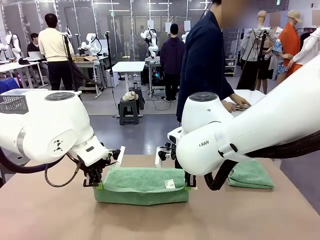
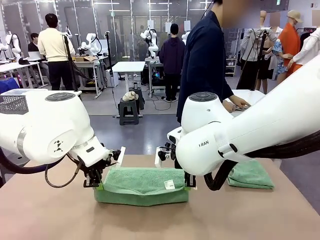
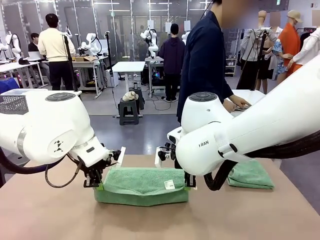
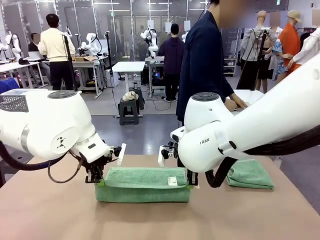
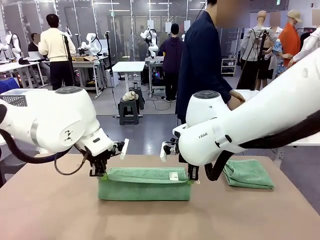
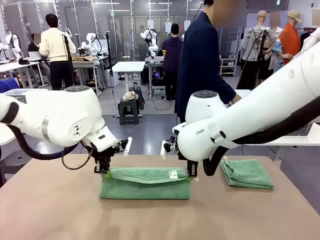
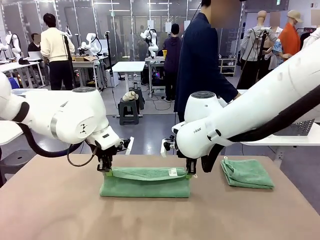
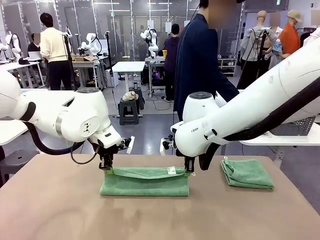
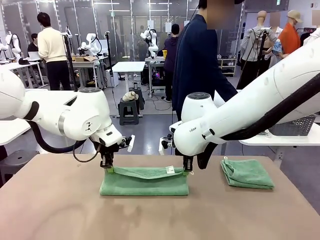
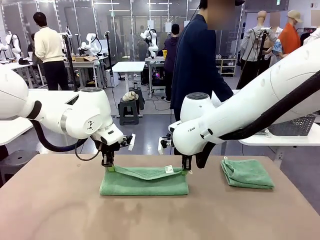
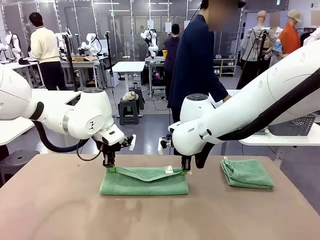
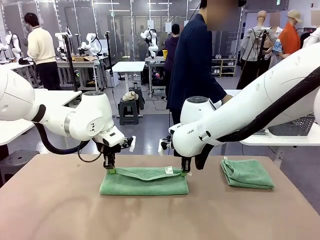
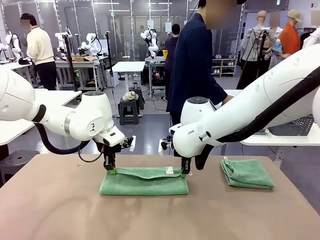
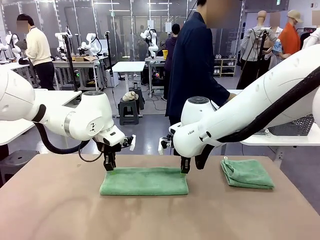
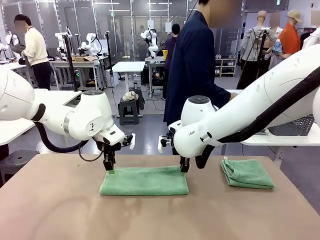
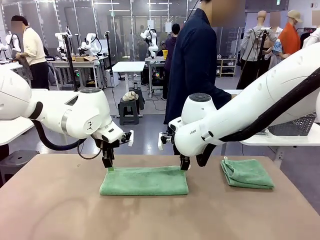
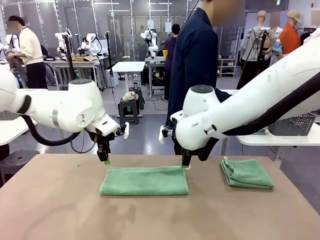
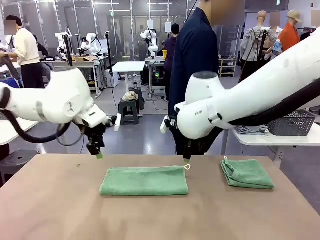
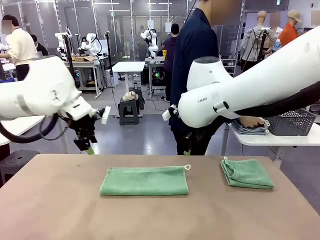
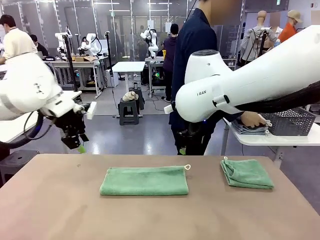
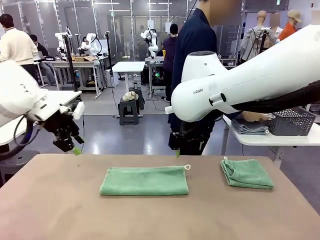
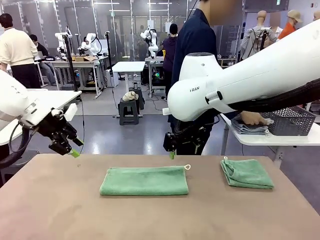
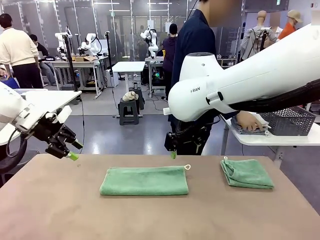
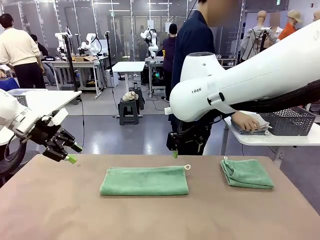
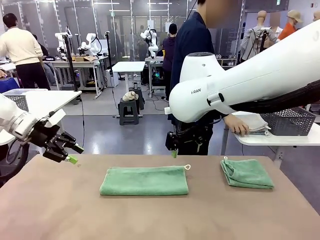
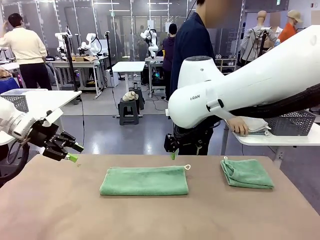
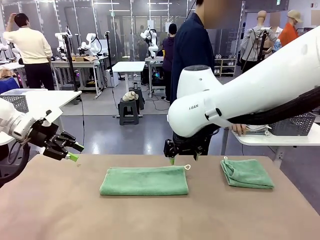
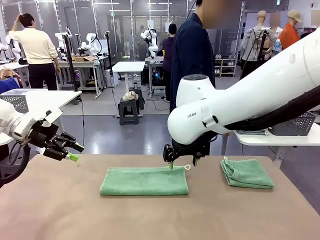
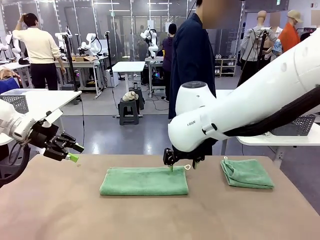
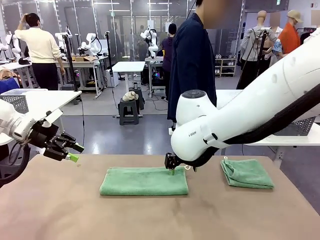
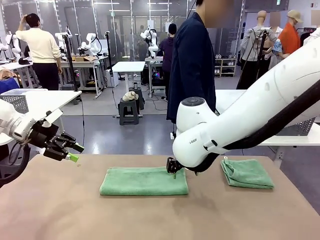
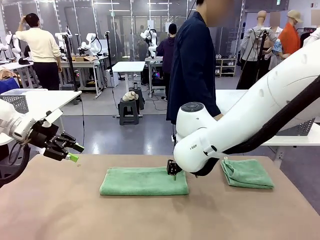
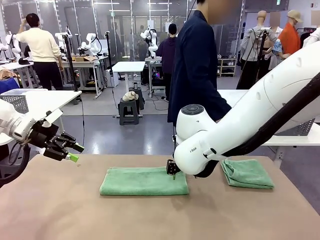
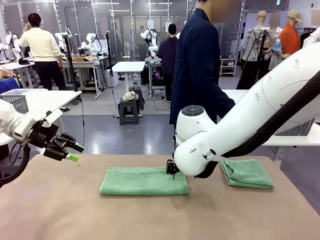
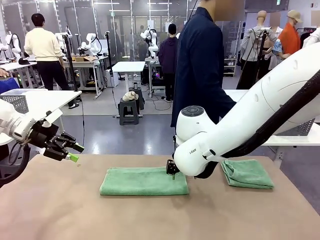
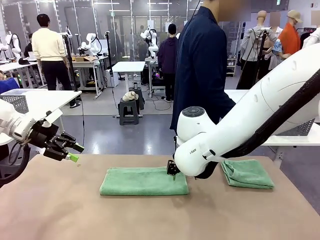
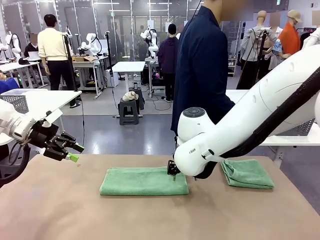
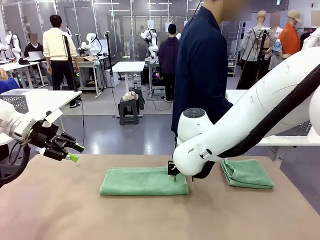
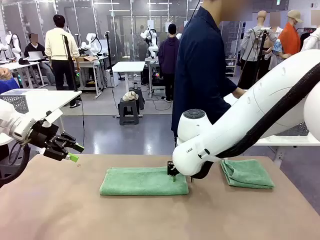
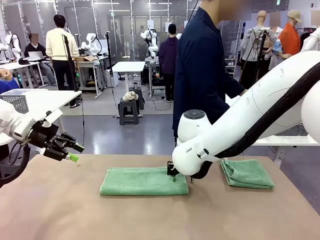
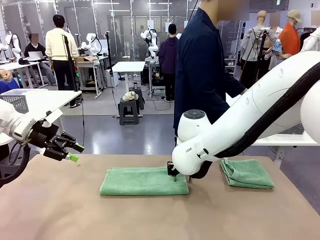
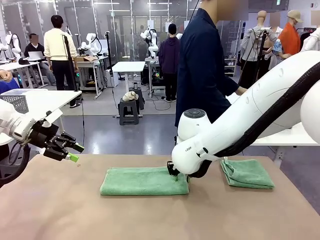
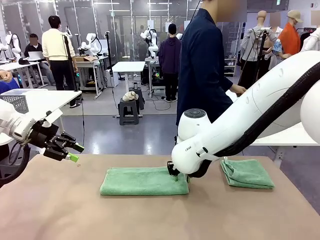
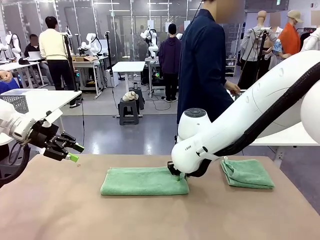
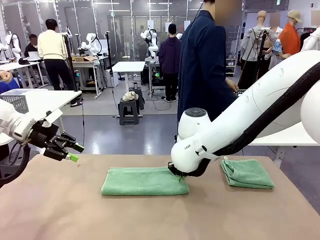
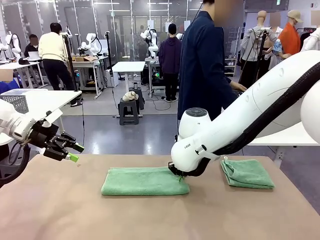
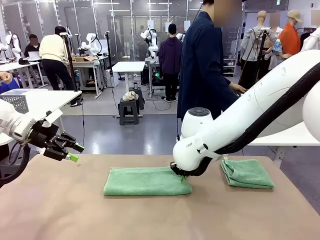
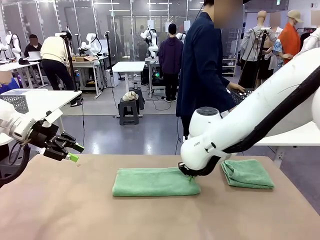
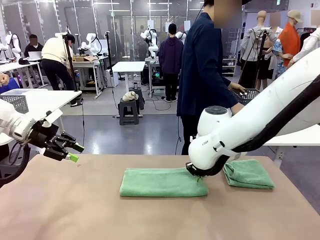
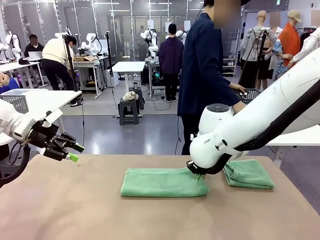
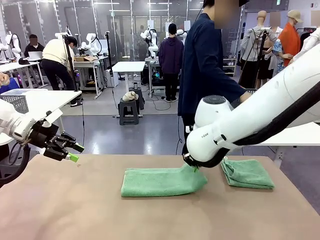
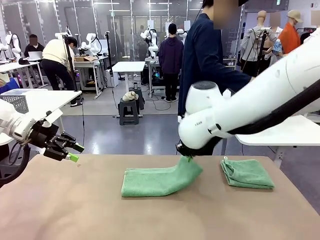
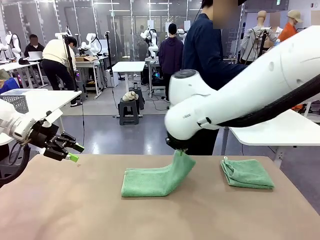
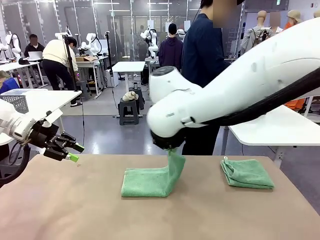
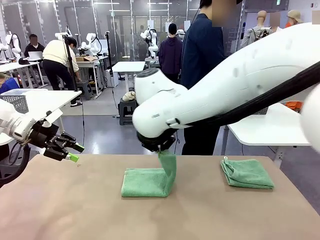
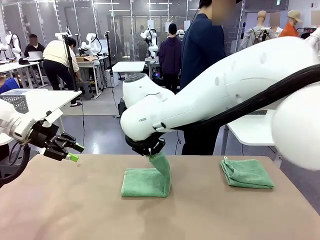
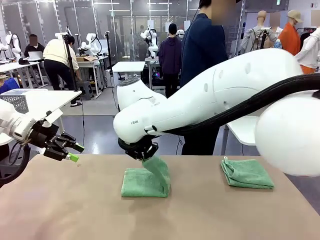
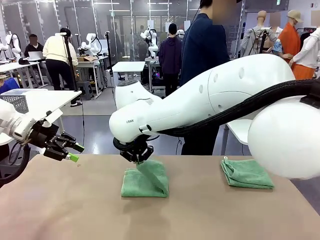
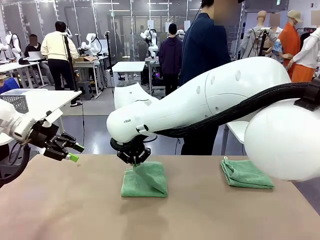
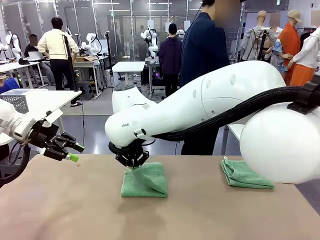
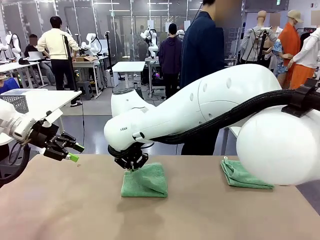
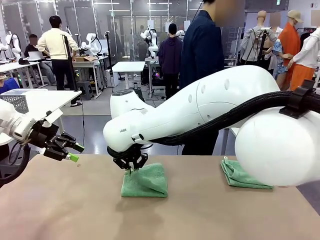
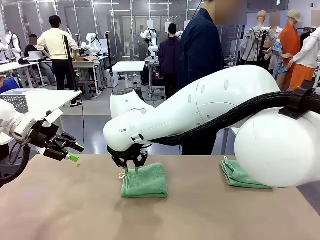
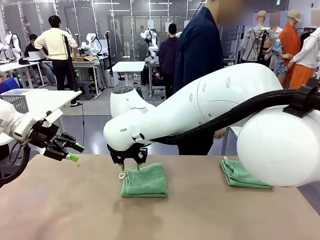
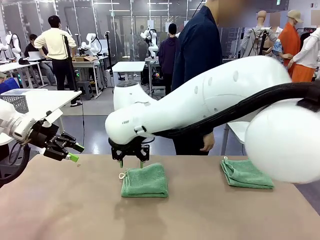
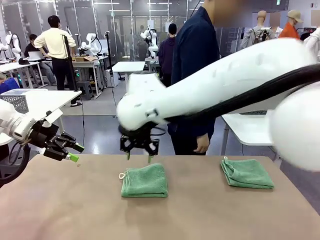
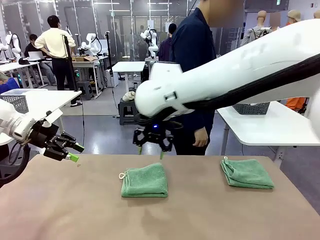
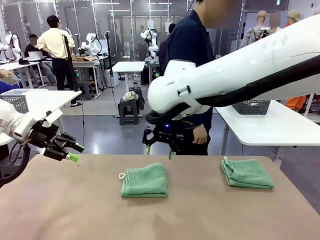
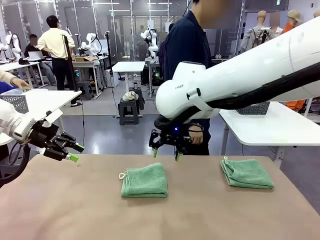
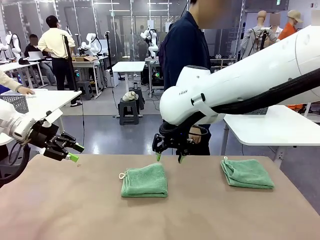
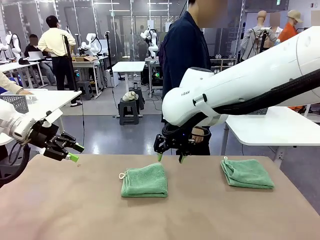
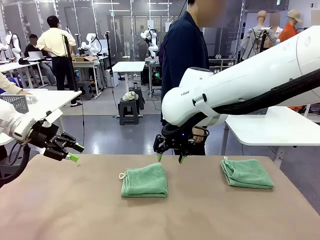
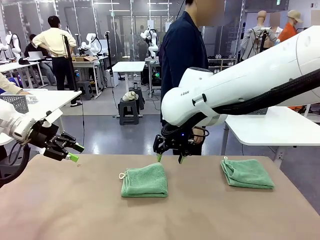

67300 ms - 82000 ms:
Task: Fold the towels and place them in the basket.
Robot: When a person lays out a Towel with hook on the table, fold it in half twice.
Person: Pick up the stack of towels from the right side of the human table, place it into the basket, and put the basket at the center of the table.
